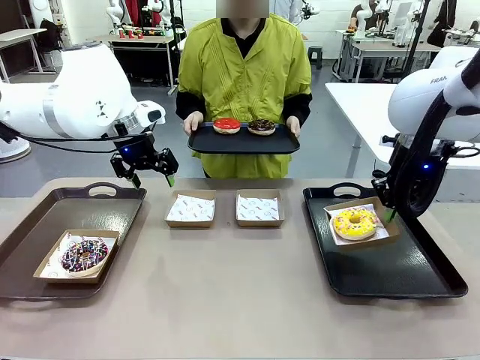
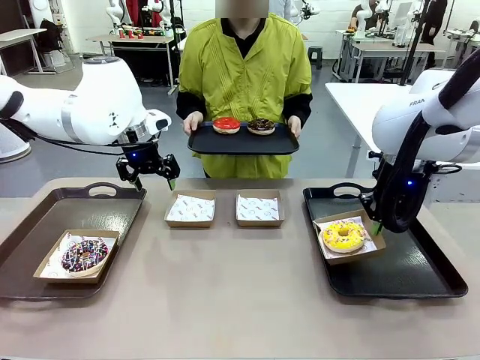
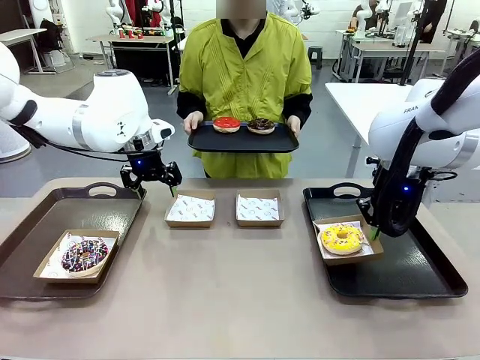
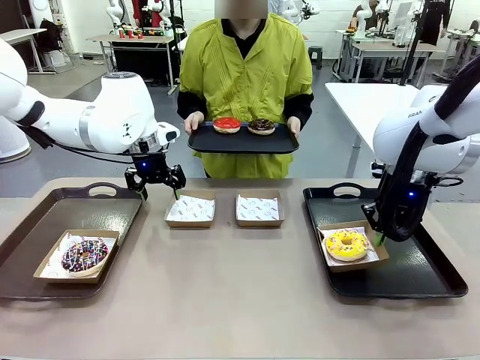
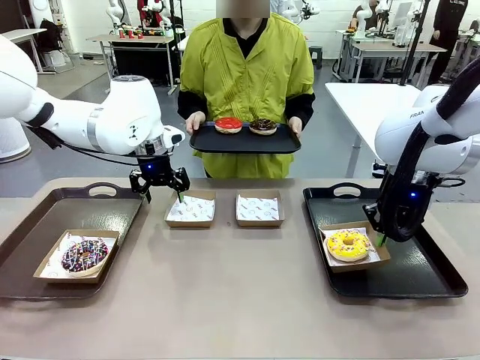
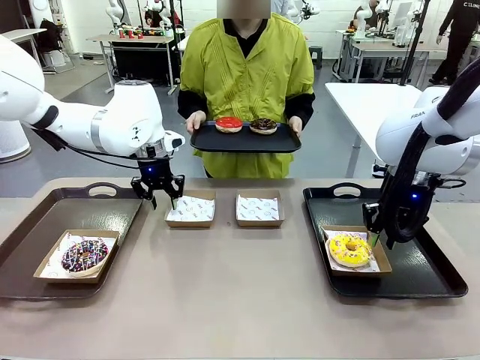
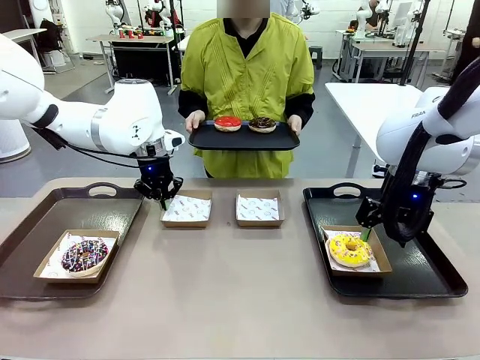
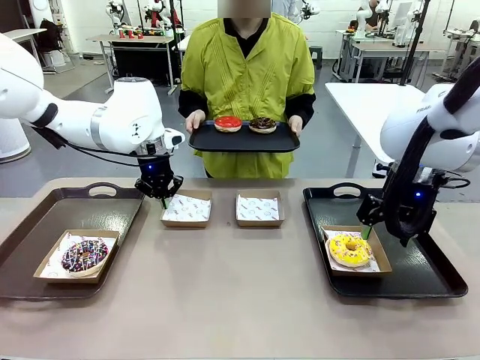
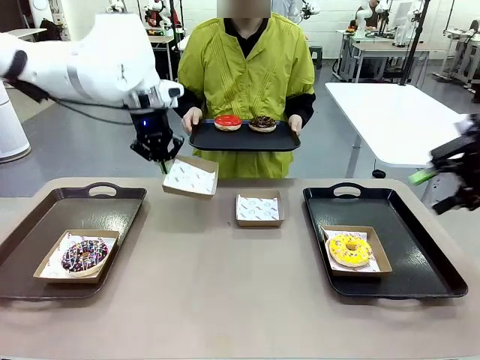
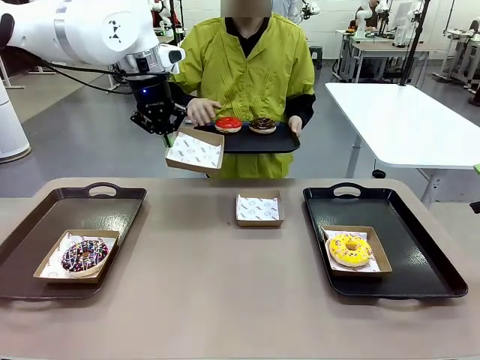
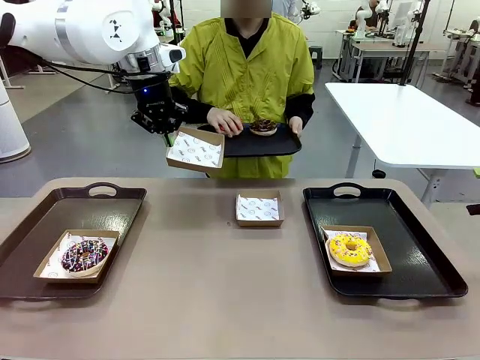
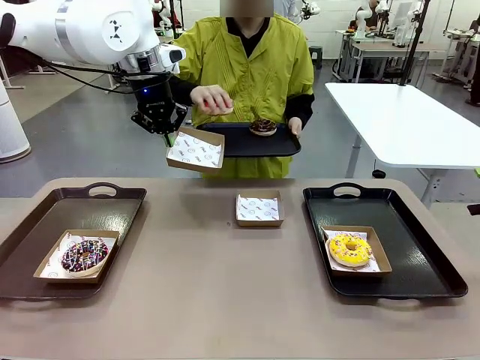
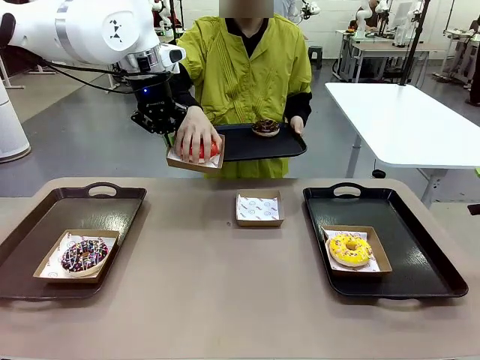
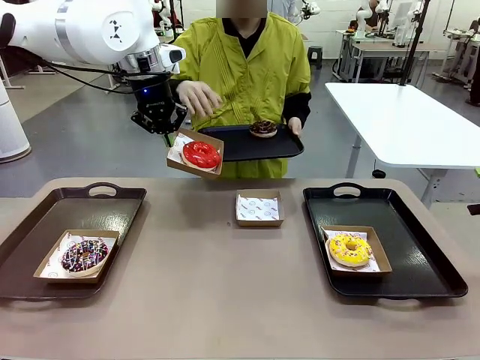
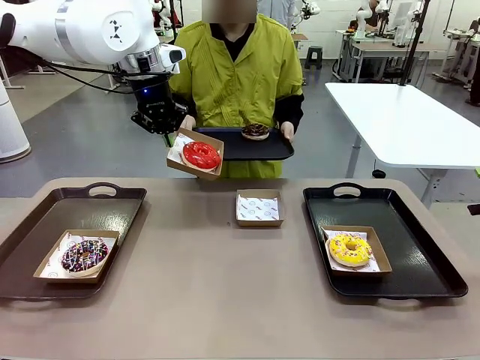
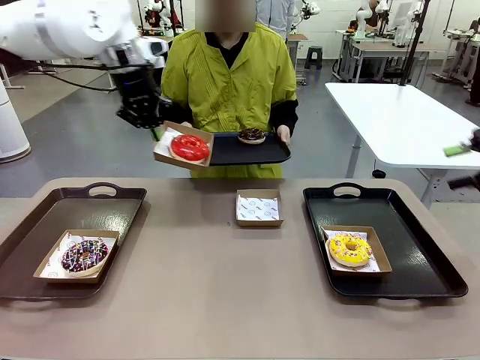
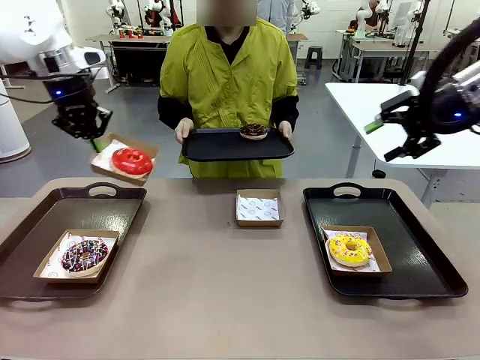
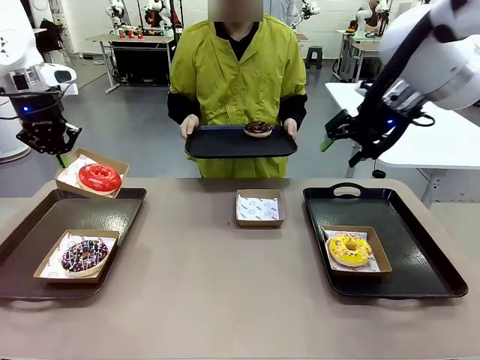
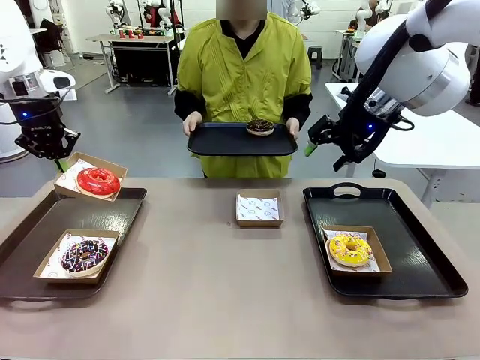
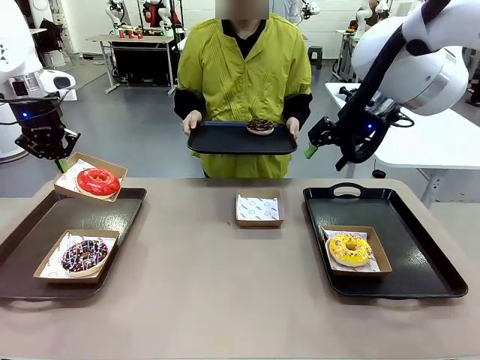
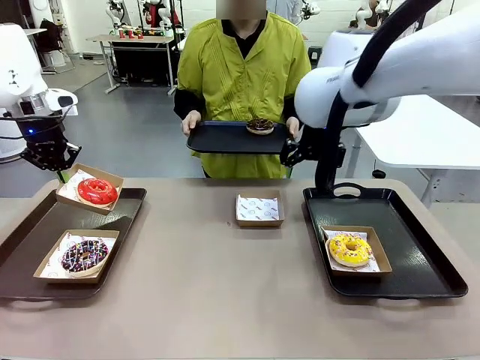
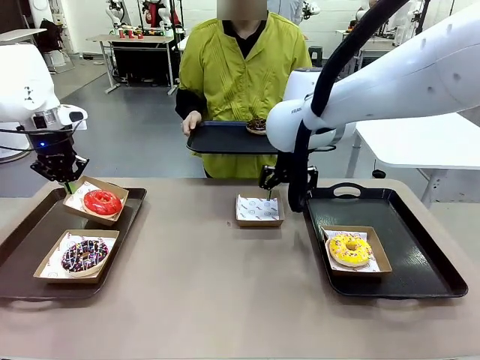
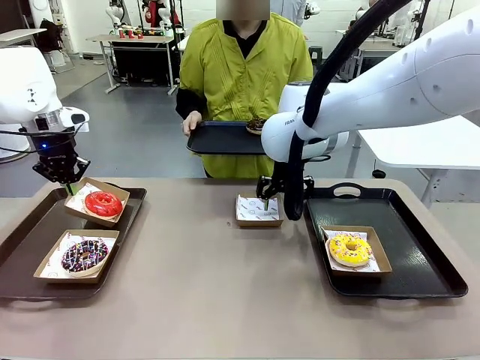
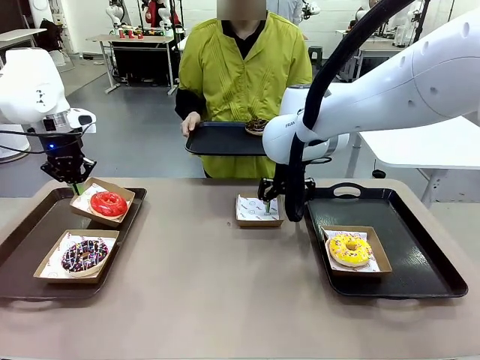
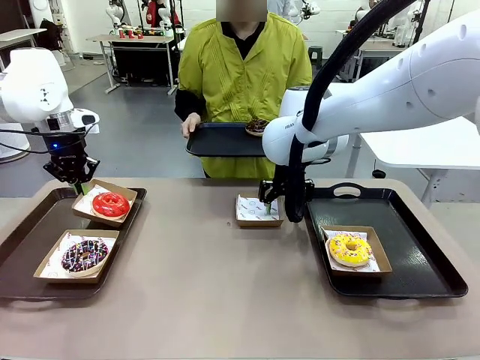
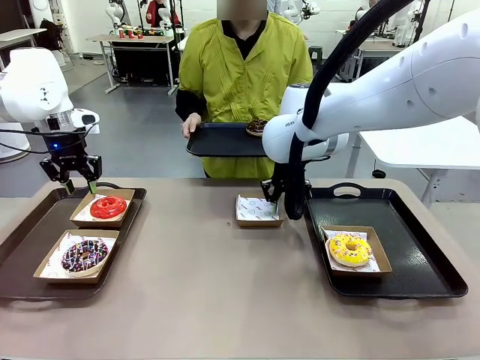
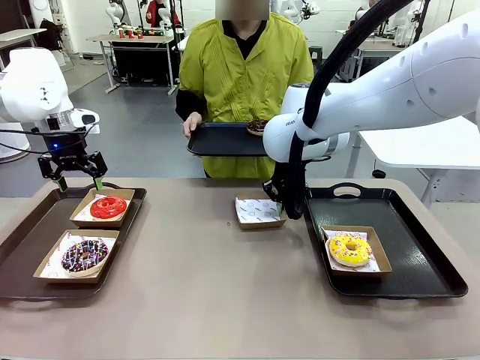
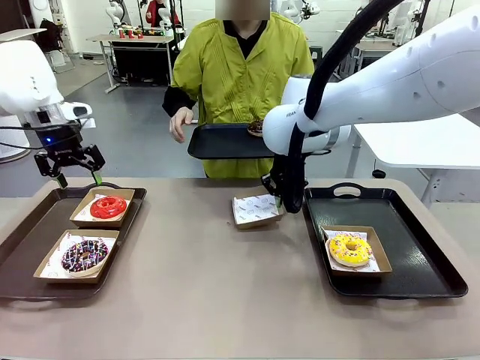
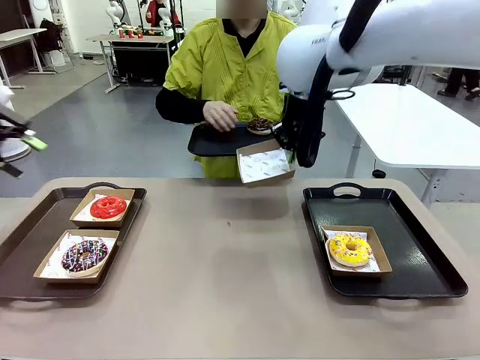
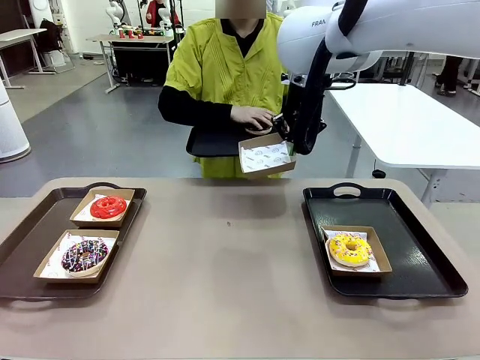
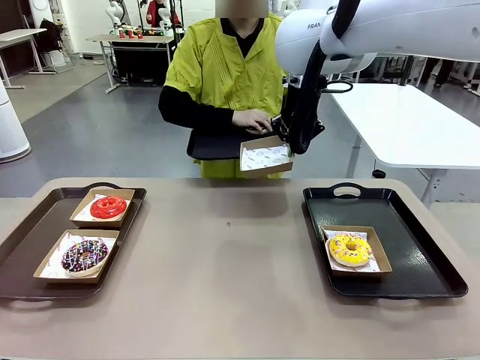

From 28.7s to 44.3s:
Task: Individually package the donuts and arrange them on the tray.
Robot: Place the picked Paper togo box on the Handle tray while simultaneously picking up another Paper togo box from the table with the other hand.

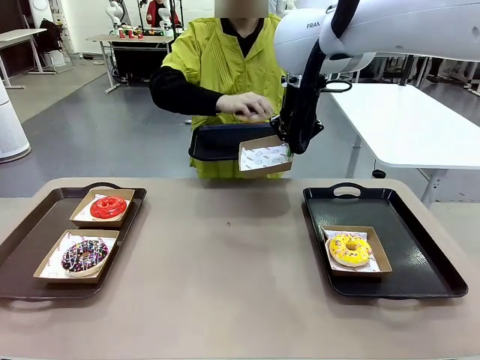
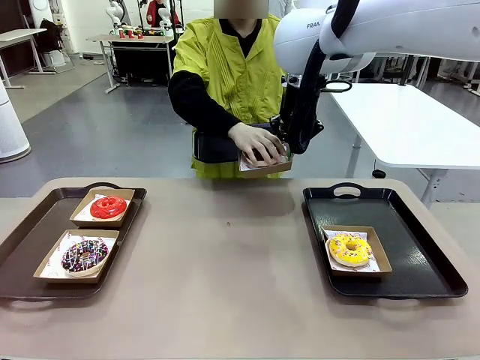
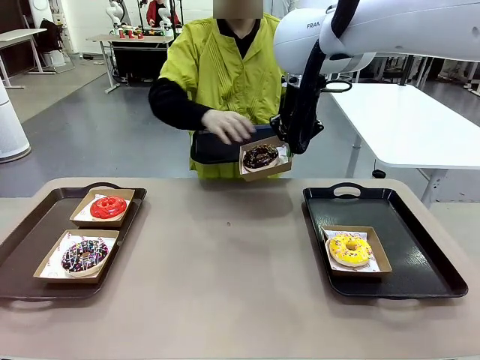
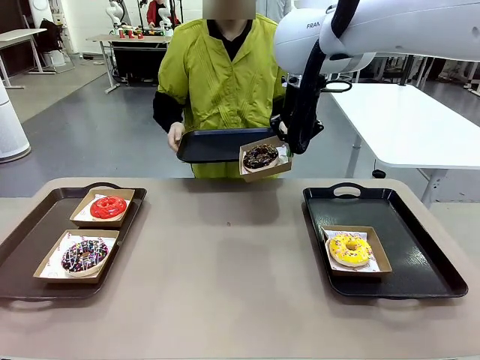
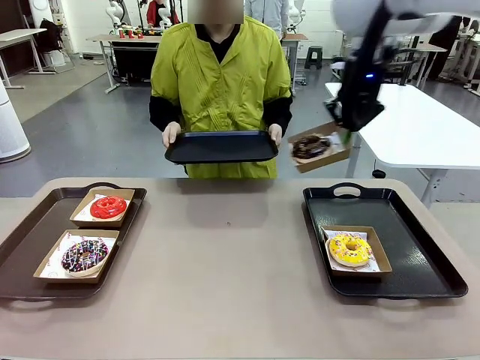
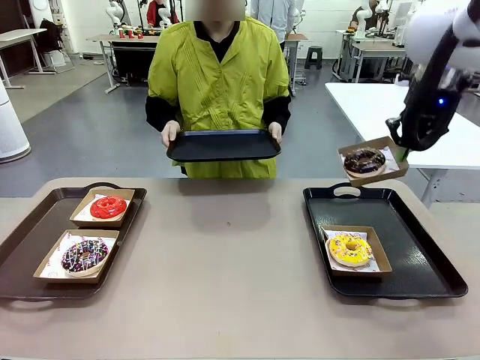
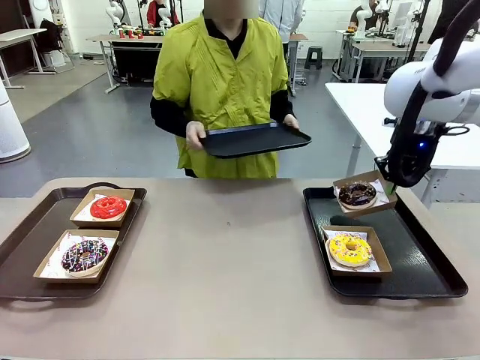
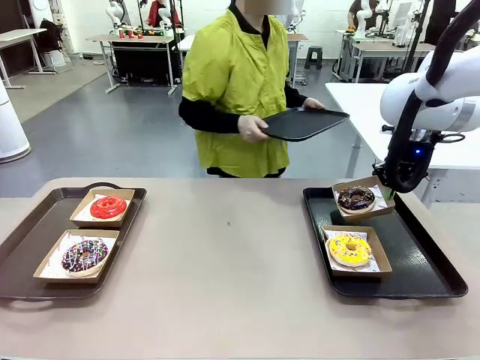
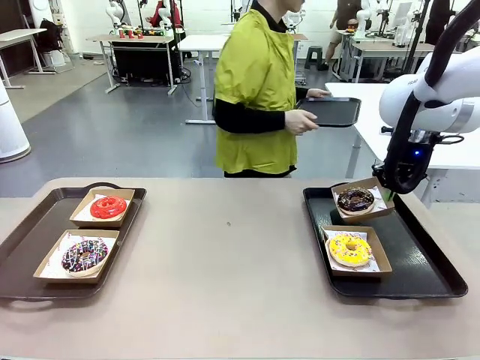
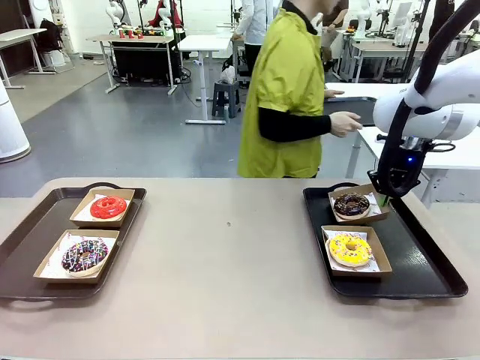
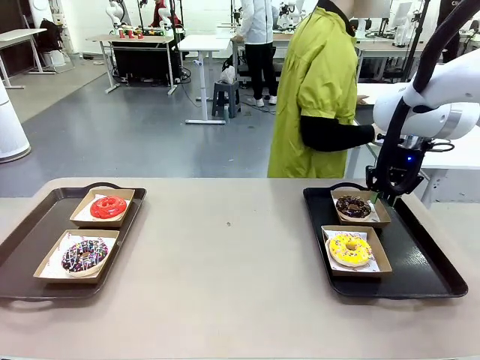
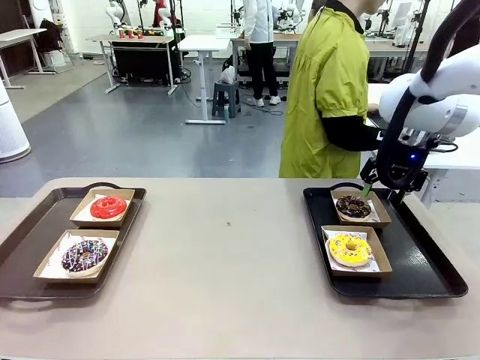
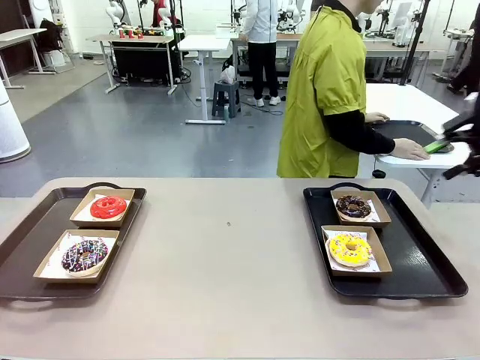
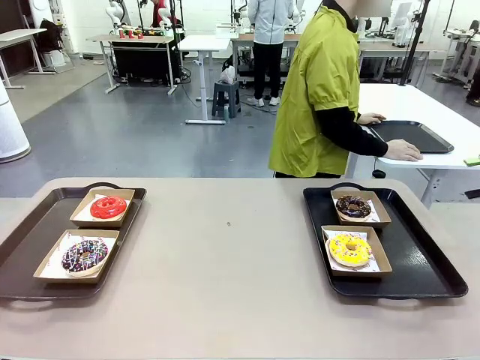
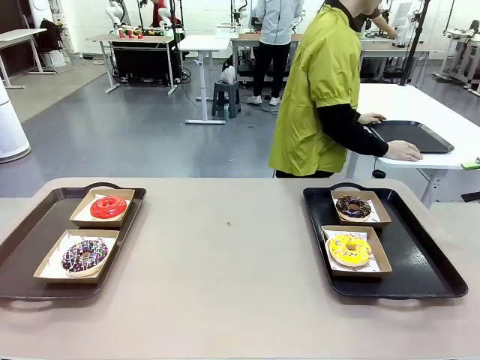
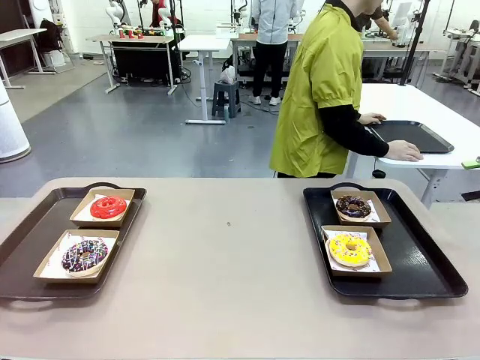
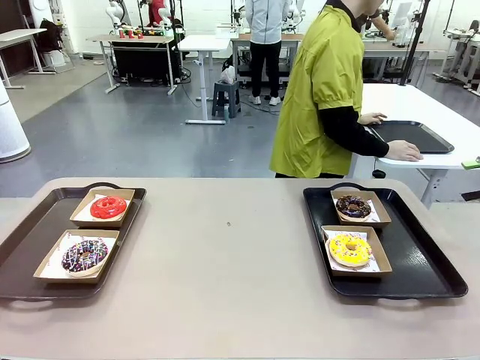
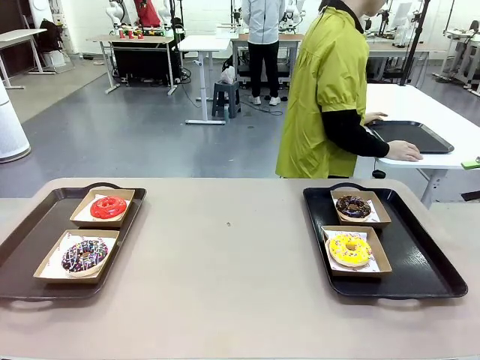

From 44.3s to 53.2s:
Robot: Place the picked Paper togo box on the Handle tray.
Person: Place the tray down in the middle of the human table.
